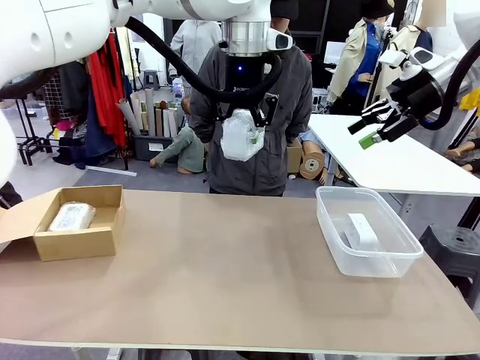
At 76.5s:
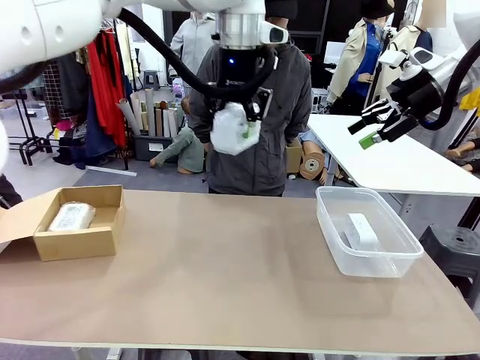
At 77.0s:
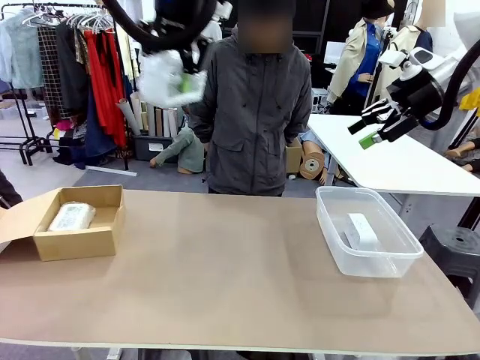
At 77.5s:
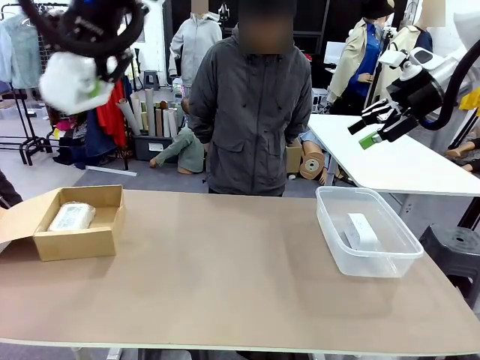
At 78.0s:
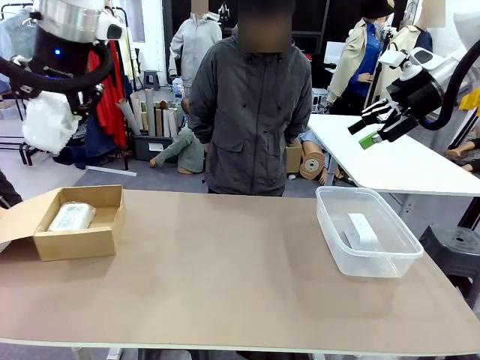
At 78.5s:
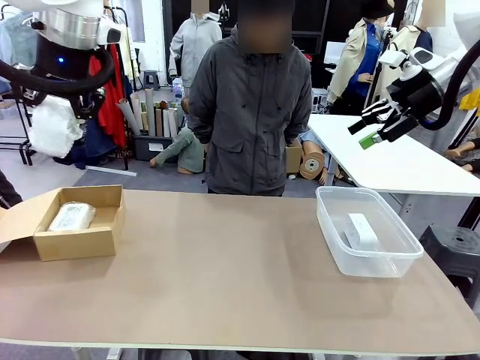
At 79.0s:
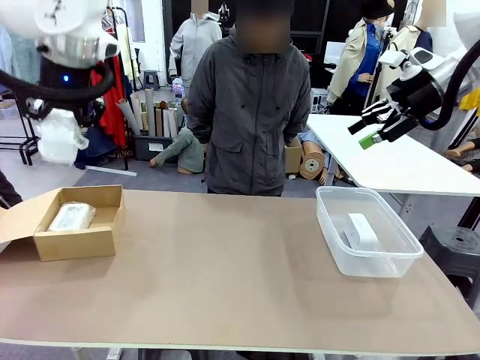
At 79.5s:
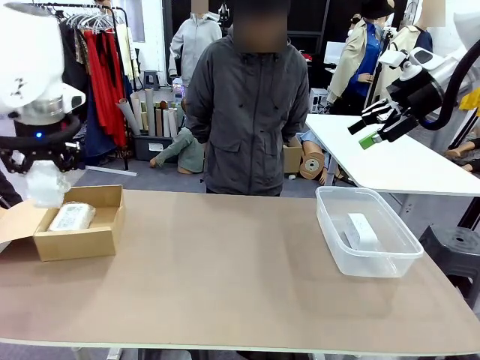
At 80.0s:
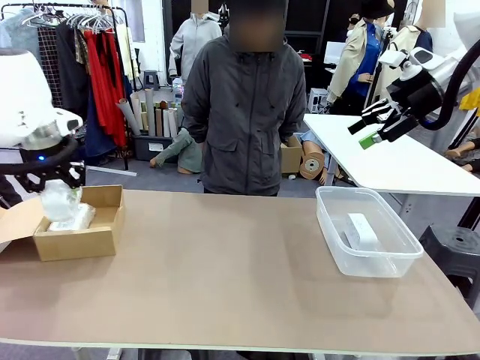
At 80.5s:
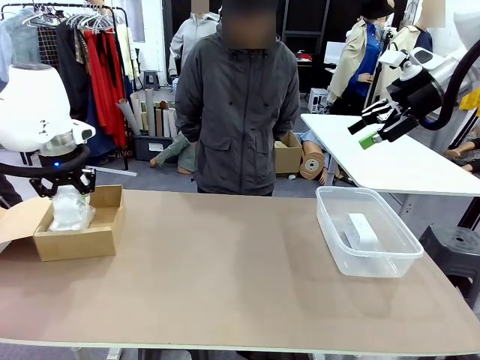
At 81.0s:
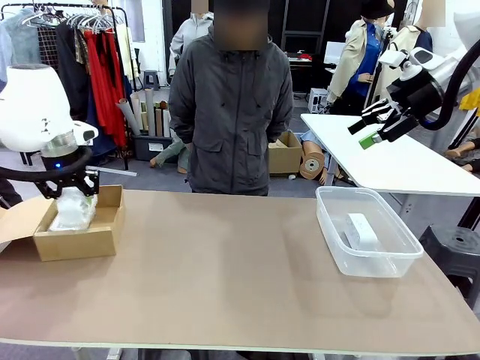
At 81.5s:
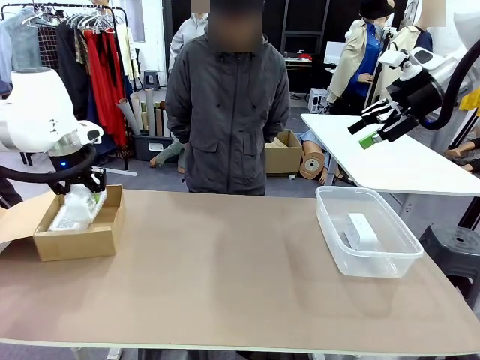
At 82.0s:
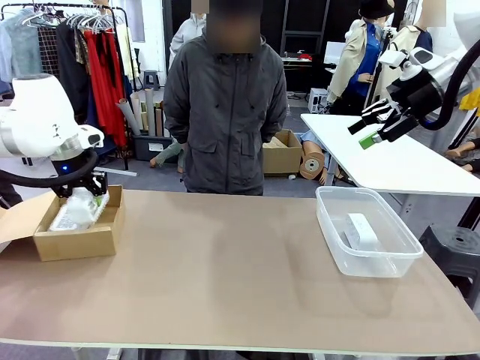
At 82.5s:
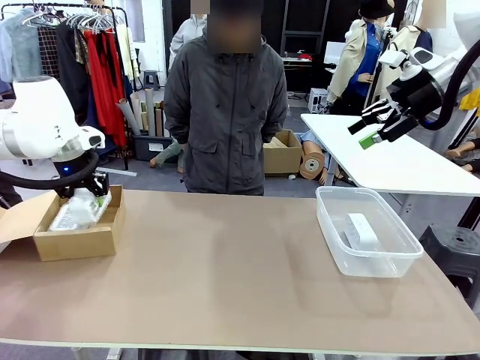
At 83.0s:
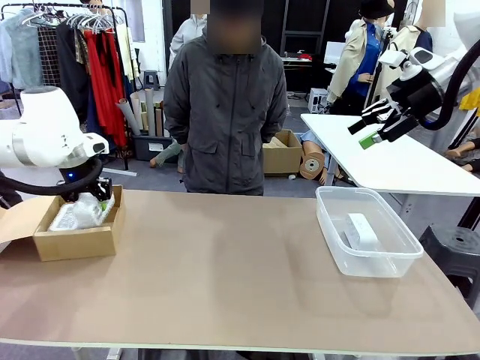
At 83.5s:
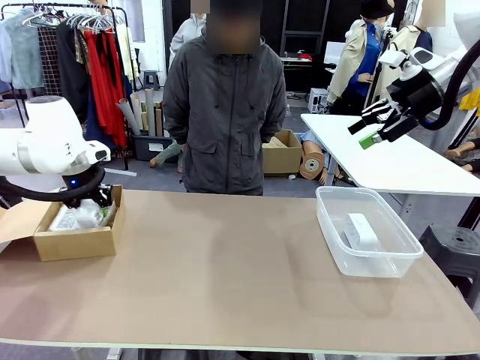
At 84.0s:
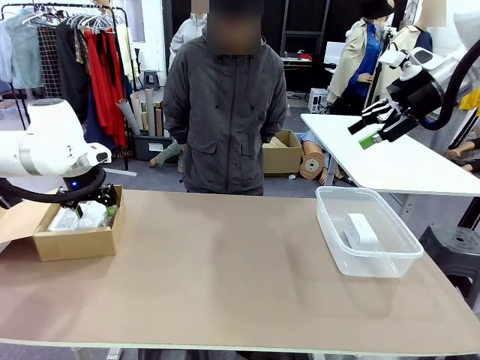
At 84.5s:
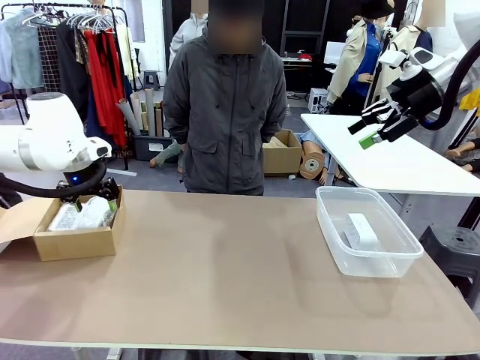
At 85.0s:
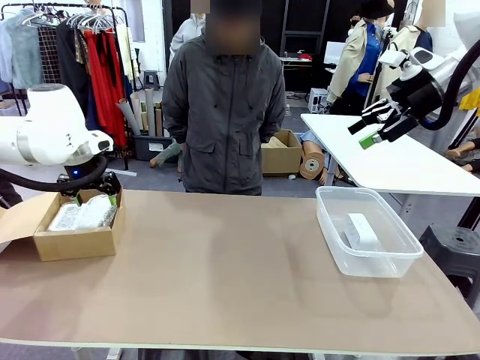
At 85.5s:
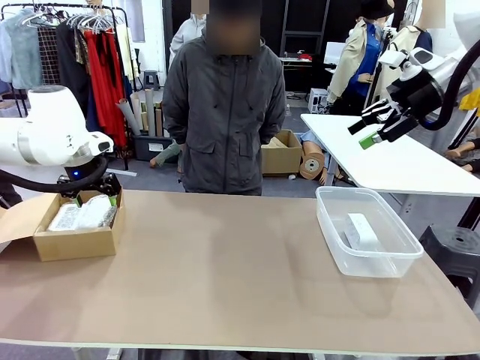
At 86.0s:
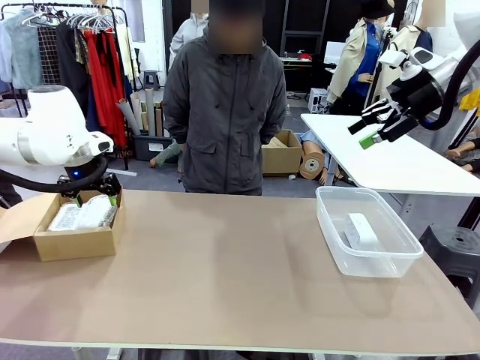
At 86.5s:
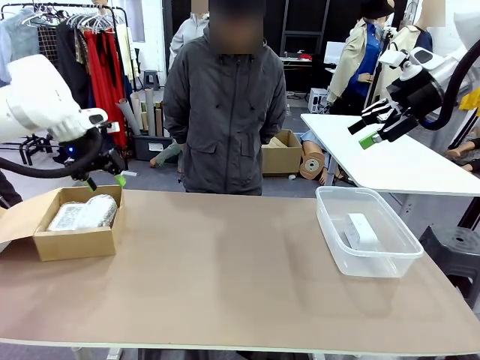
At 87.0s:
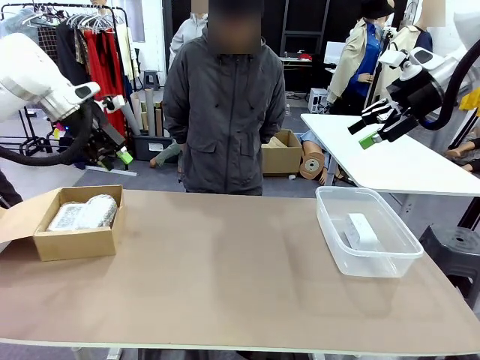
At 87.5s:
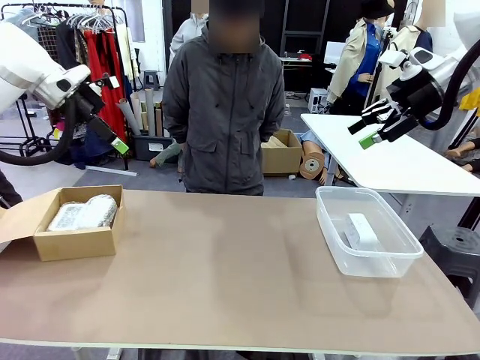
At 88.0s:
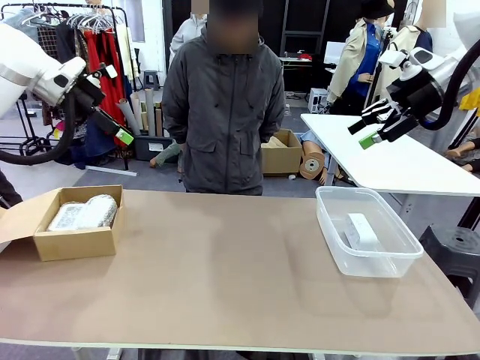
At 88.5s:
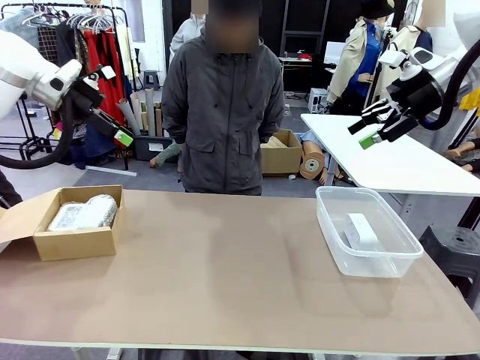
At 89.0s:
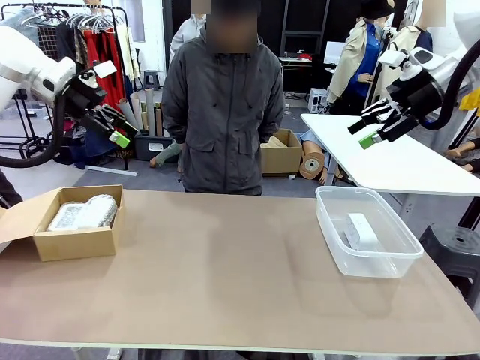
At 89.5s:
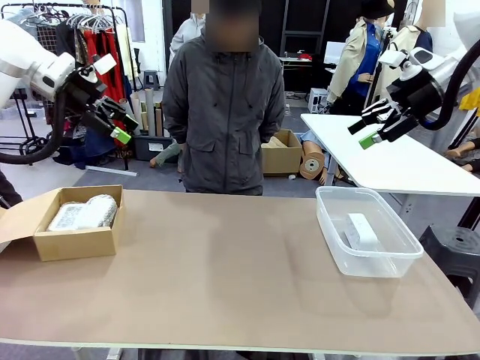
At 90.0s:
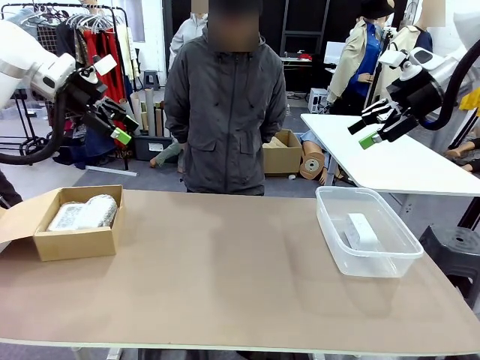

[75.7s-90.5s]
Task: Separate and place wrapped and unwrapped clocks.
Robot: If the picked Digital clock is wrapped, place it in the Package Box ; if not, place it in the Organizing box.

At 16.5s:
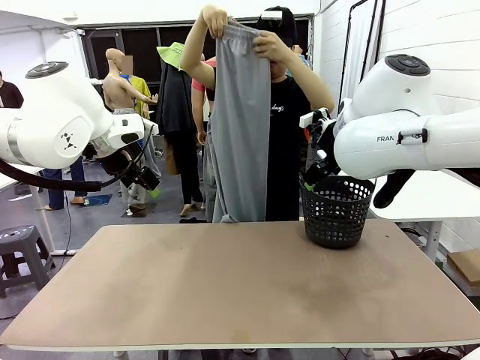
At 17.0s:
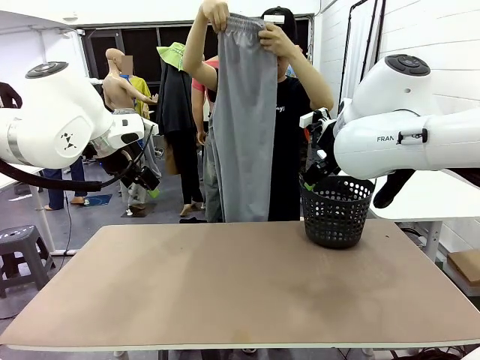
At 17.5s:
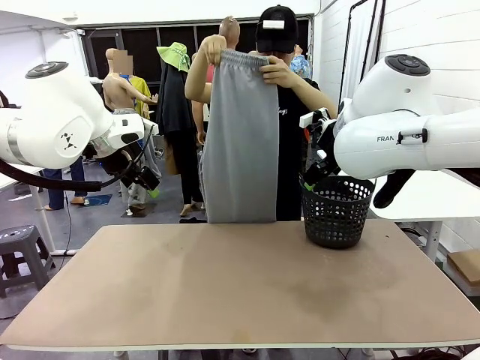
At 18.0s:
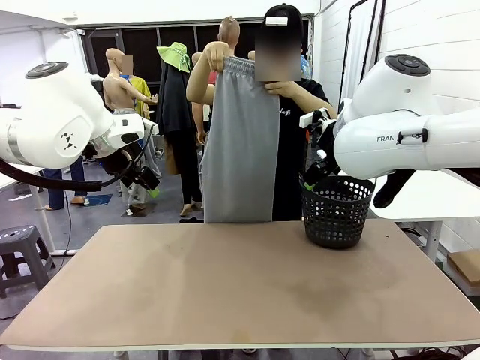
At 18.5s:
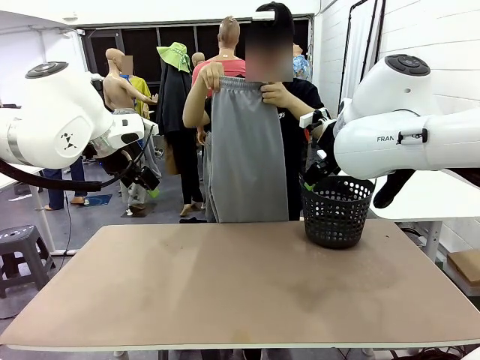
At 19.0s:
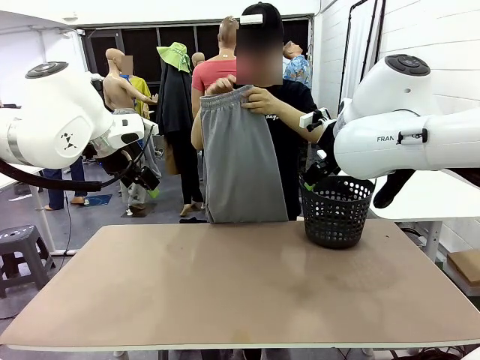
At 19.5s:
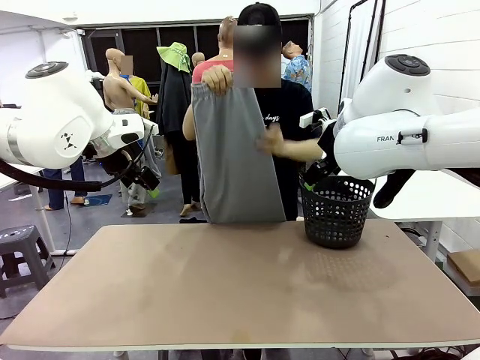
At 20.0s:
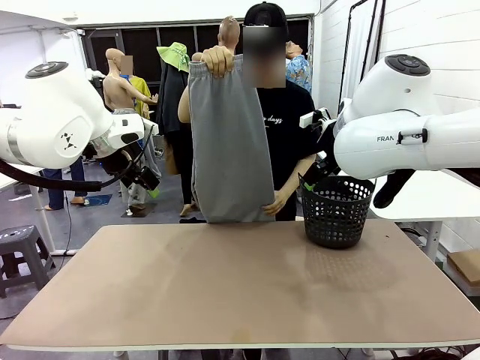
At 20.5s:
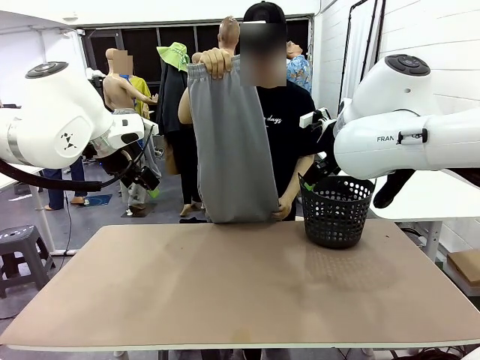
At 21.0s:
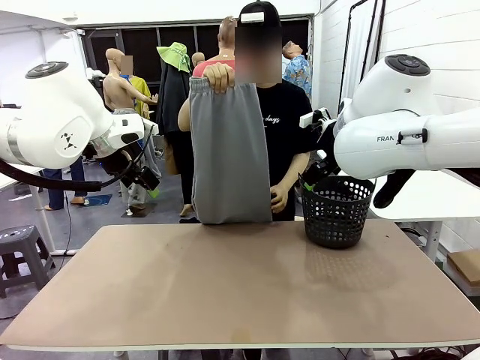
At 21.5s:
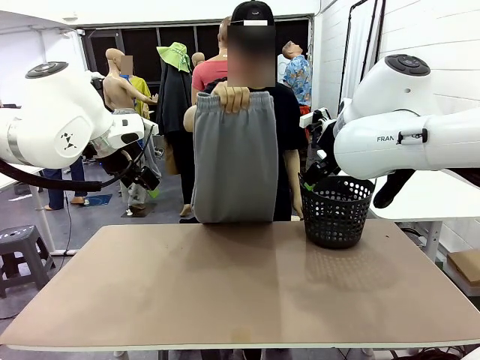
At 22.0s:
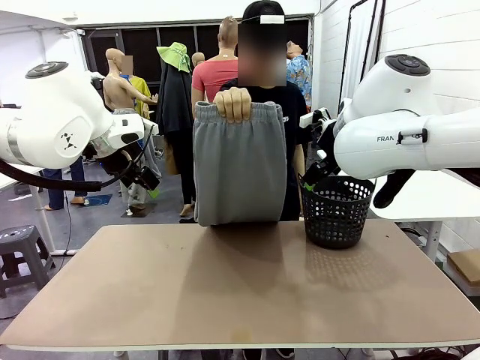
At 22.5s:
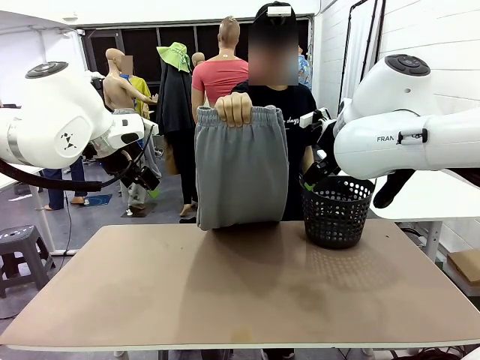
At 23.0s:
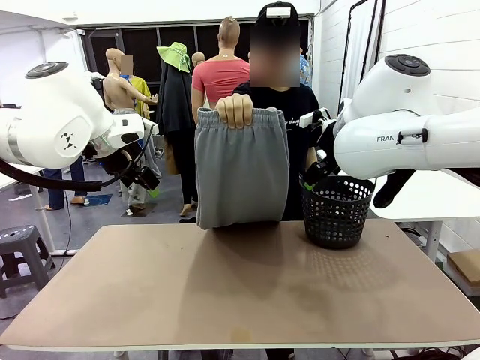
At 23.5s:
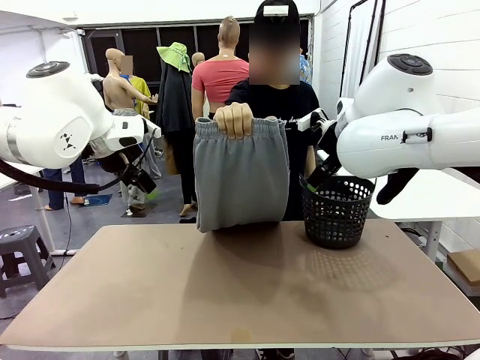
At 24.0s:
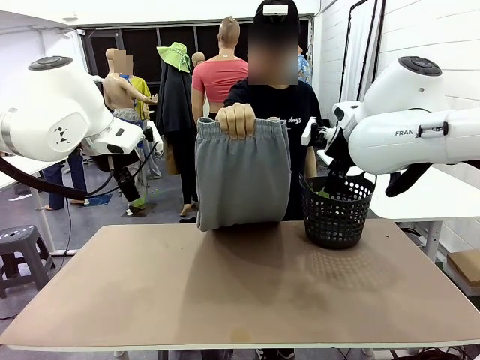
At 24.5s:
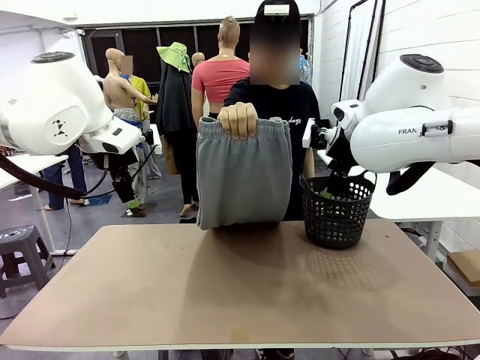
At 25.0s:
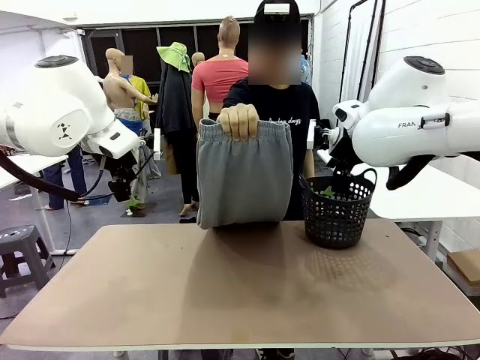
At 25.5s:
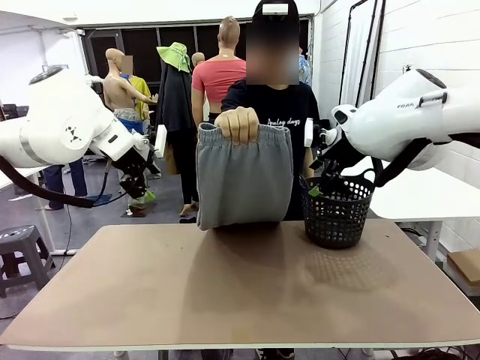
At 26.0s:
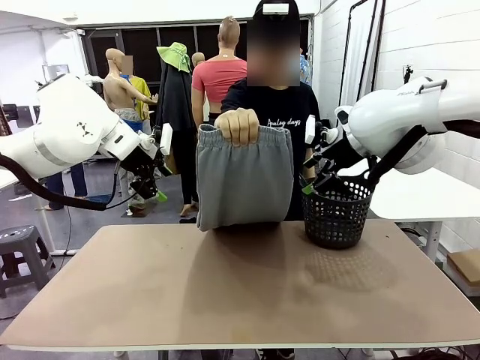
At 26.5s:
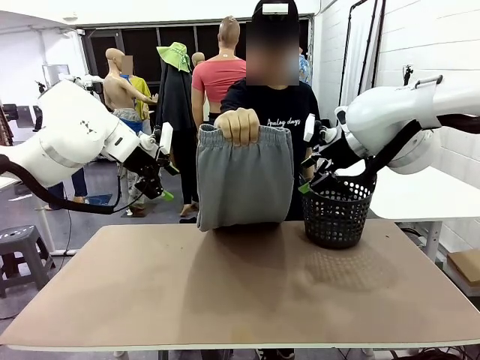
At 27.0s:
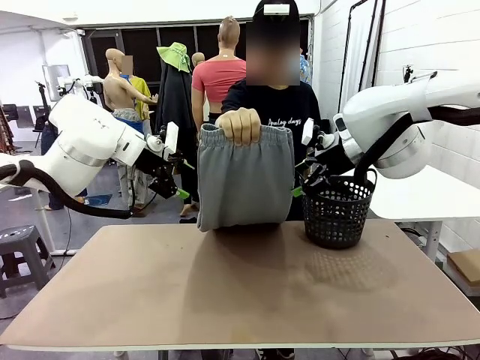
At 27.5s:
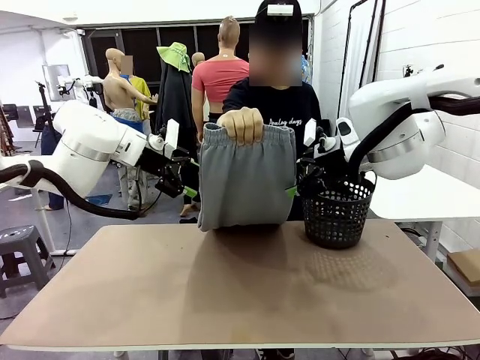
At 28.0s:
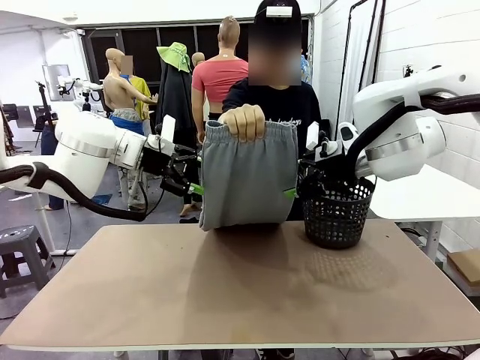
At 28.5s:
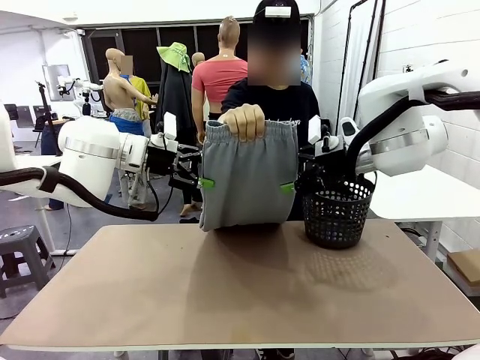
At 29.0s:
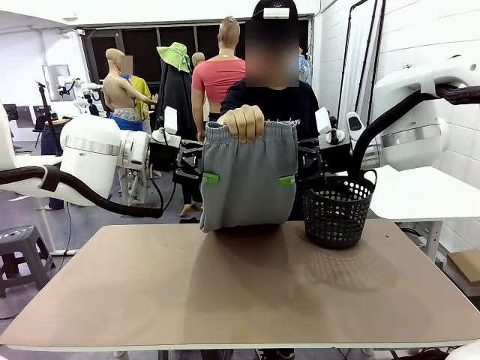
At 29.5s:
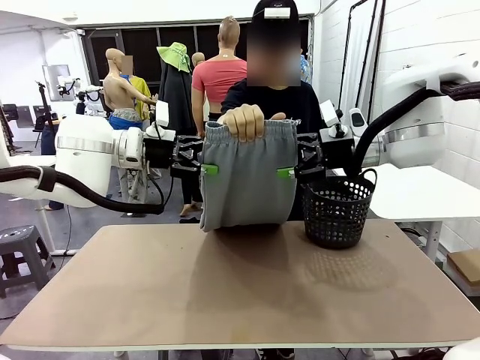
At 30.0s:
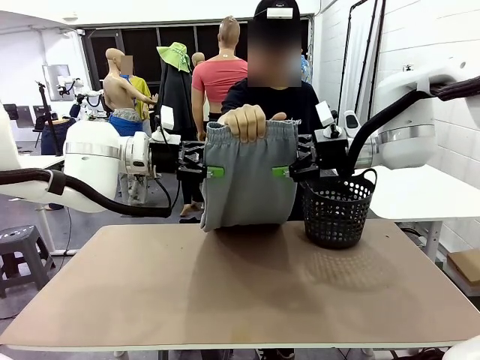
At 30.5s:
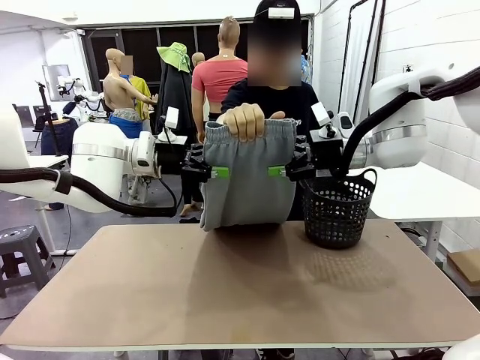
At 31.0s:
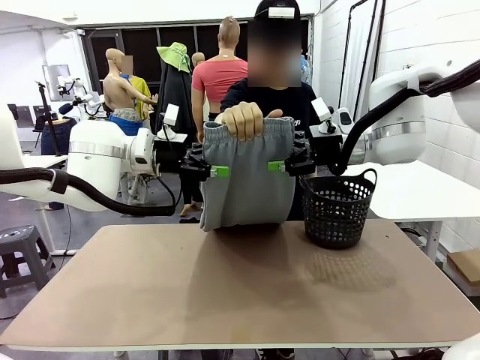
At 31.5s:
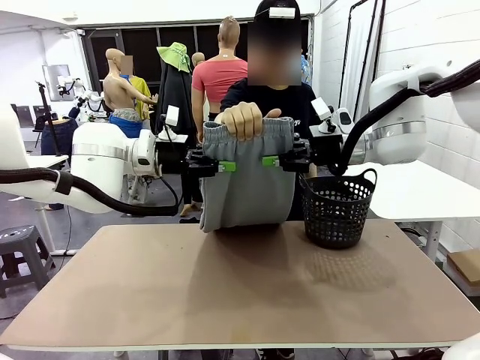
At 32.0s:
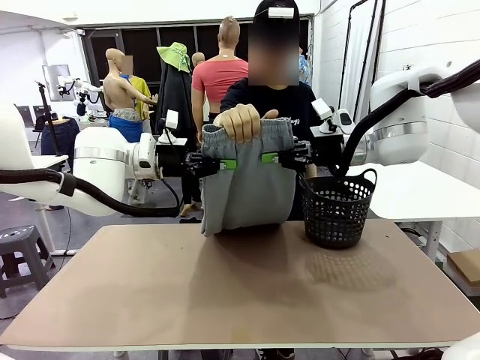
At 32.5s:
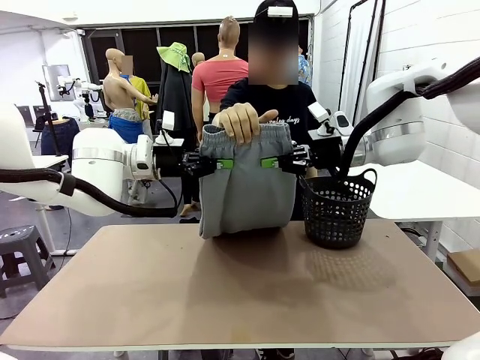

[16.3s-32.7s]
Task: Fold the training pants.
Robot: Grab both ends of the Training pants handed by a person.
